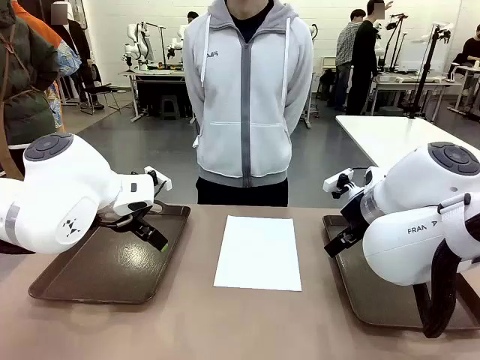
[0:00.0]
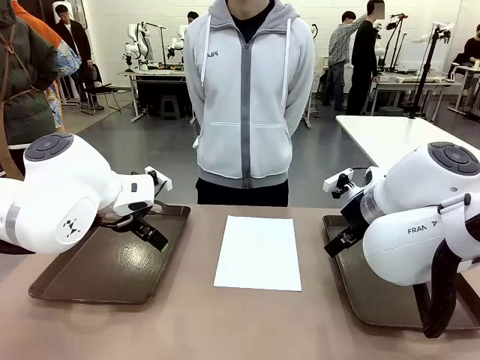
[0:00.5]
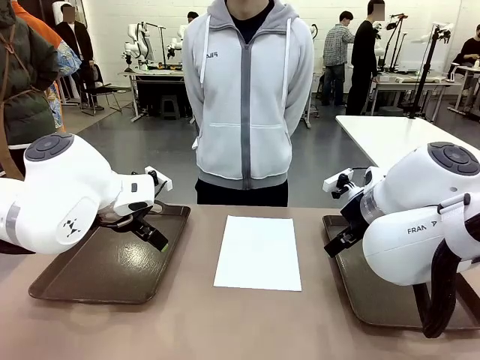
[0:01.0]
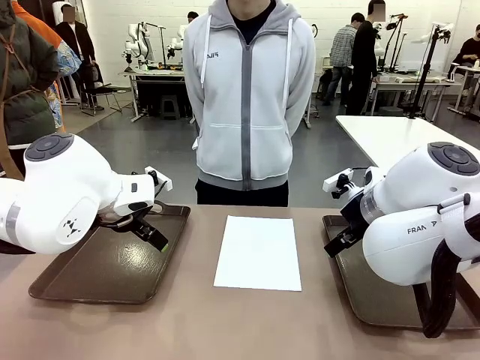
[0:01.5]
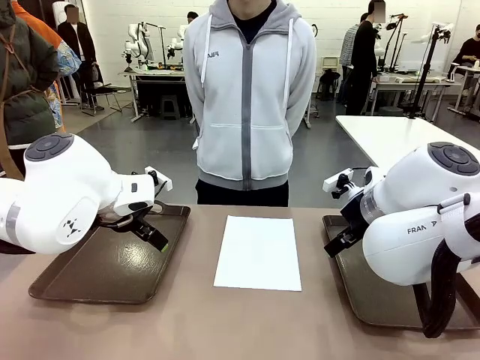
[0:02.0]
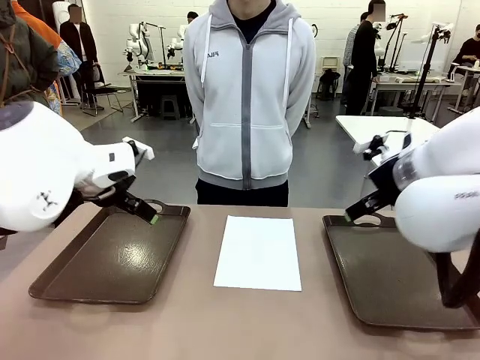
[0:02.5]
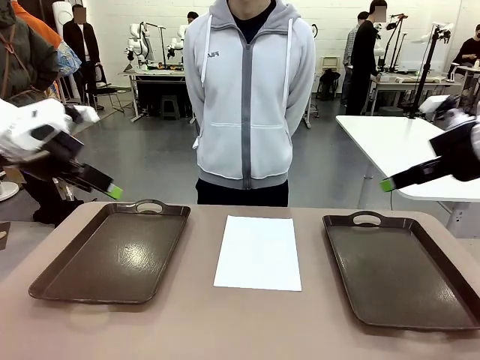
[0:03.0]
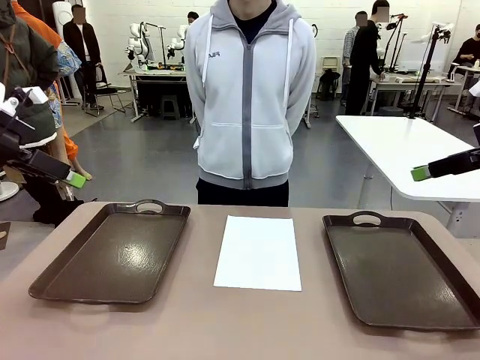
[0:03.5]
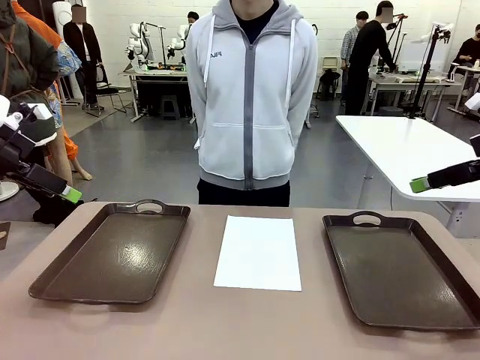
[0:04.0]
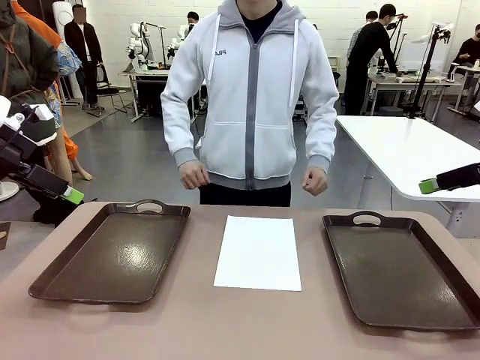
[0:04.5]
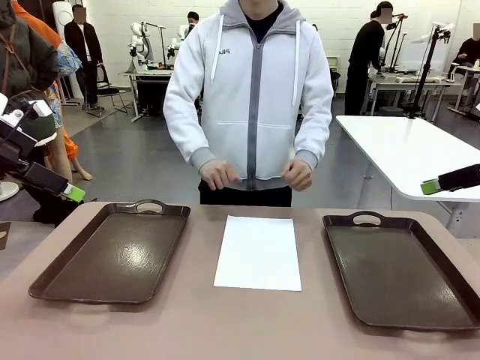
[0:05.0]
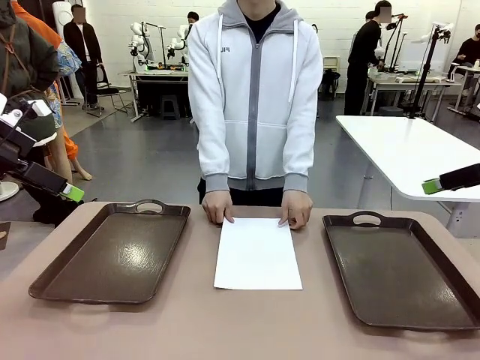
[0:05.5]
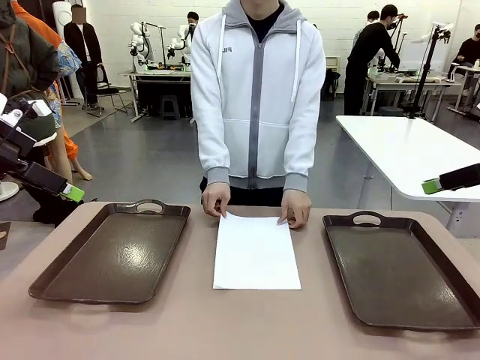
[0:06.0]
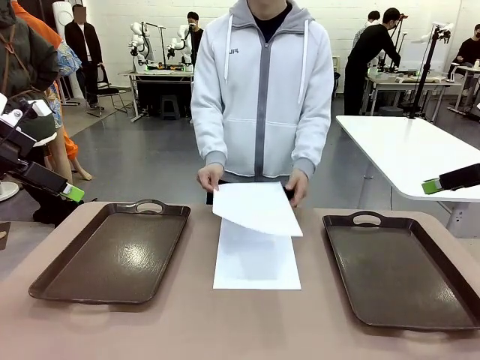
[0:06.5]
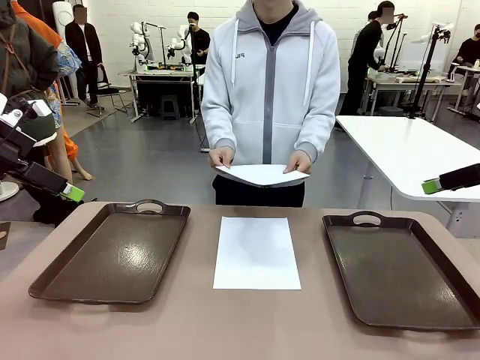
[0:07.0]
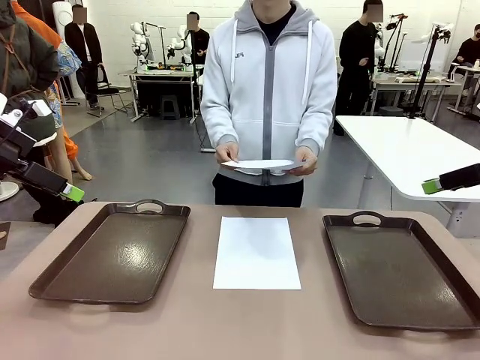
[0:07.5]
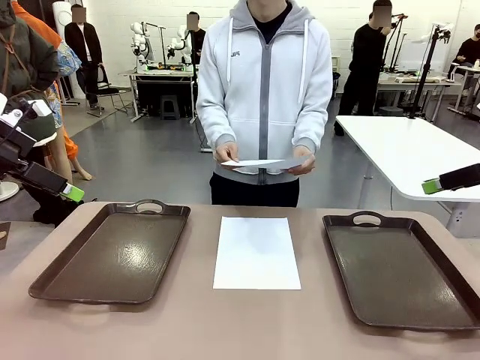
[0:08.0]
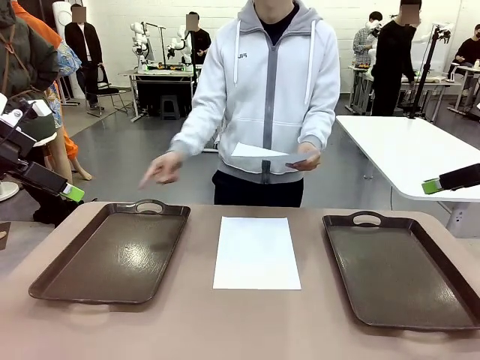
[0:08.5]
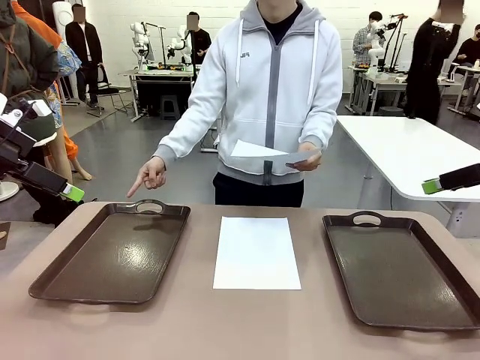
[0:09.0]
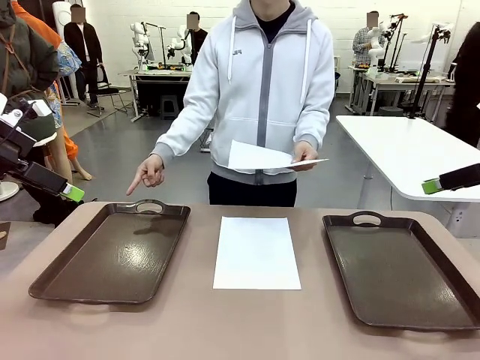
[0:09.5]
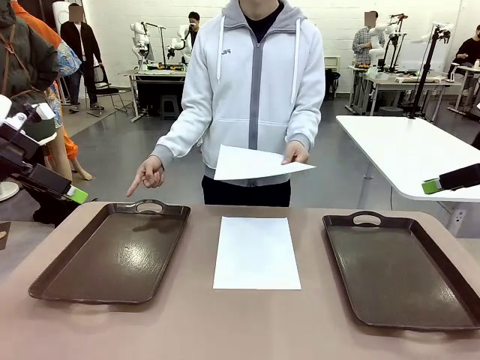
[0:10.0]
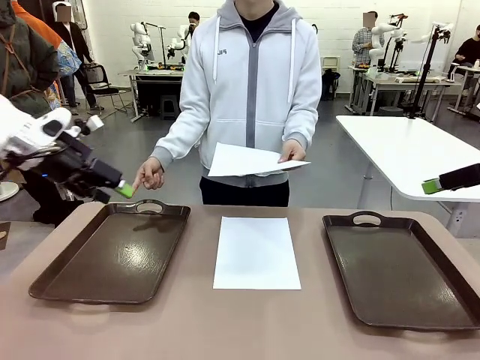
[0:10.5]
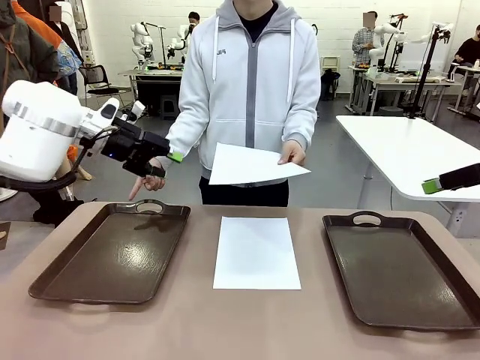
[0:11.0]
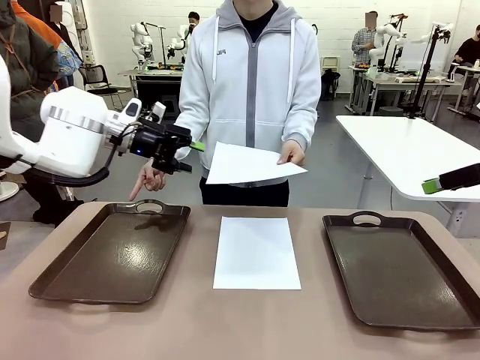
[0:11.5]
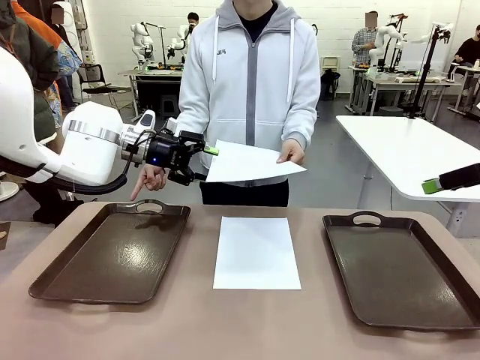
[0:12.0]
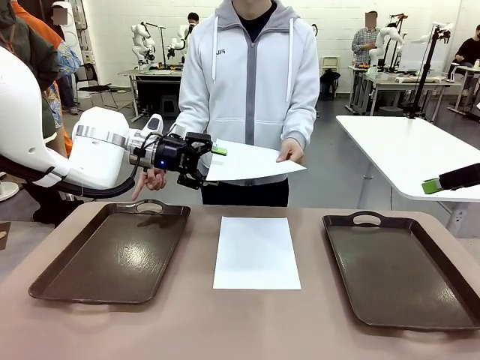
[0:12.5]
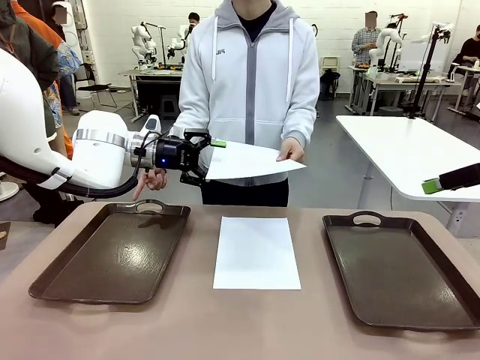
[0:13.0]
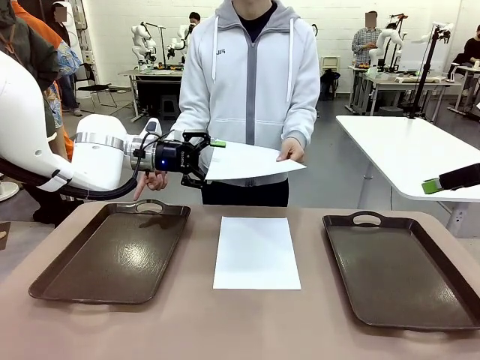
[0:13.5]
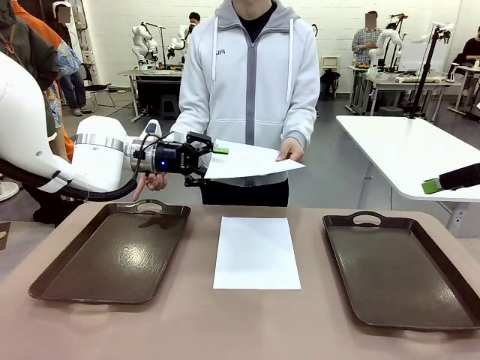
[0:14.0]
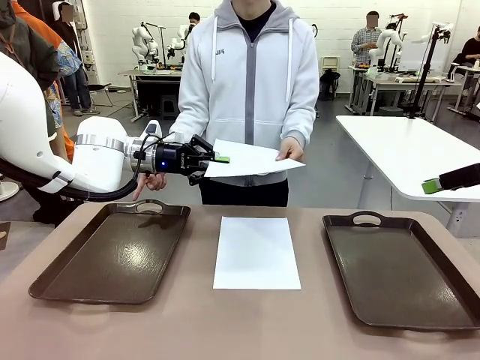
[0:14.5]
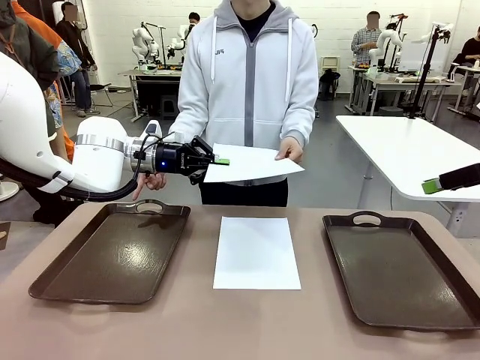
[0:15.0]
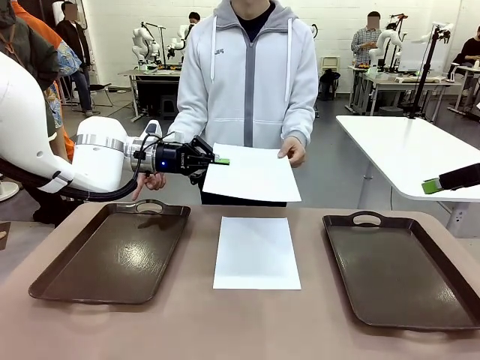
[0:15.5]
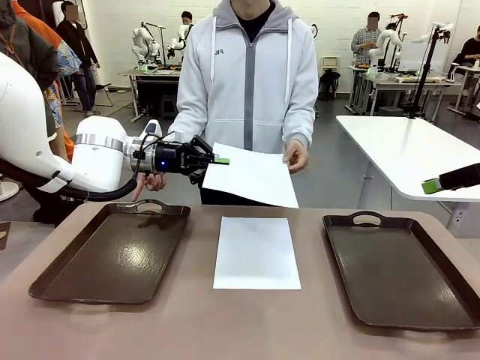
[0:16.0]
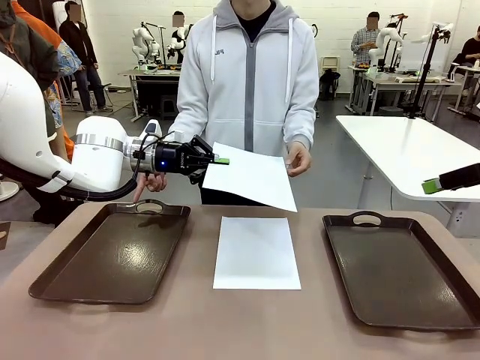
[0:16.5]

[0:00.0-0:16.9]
Task: Sort the A4 documents.
Robot: Receive the A4 Paper.
Person: Pick up a sheet of paper from the center of the table and hand it to the robot. Point the randomly selected tray with the other hand.

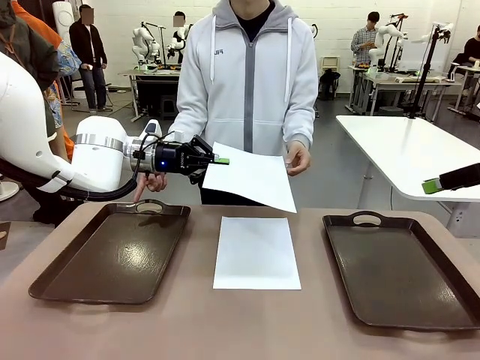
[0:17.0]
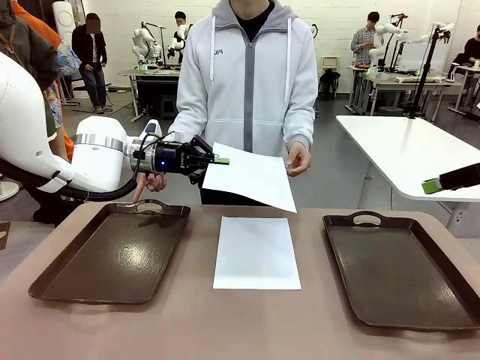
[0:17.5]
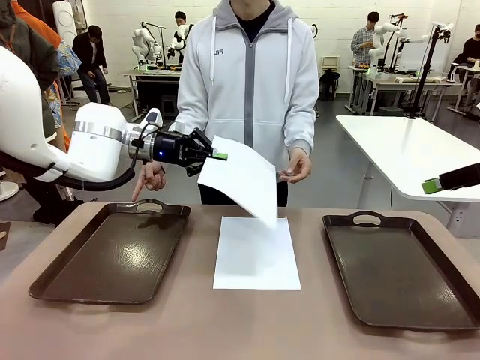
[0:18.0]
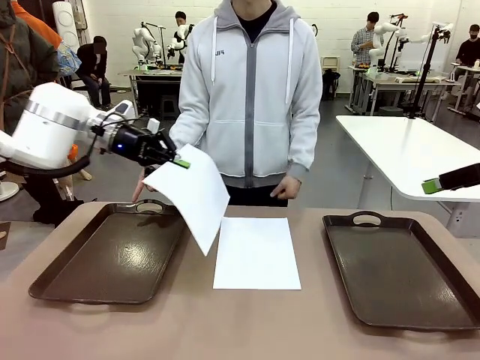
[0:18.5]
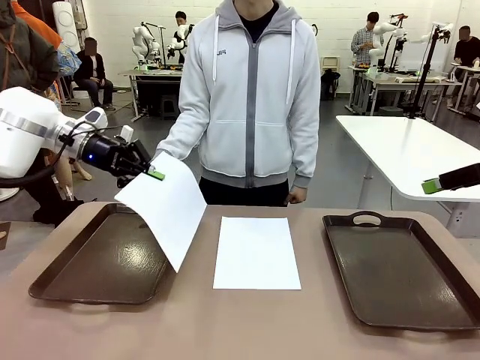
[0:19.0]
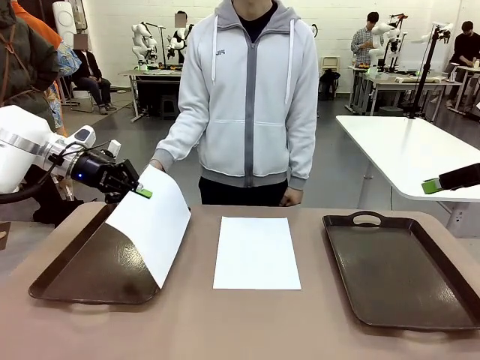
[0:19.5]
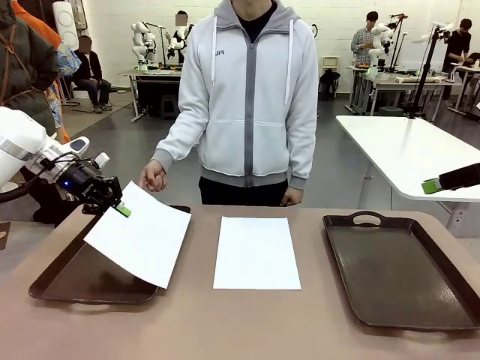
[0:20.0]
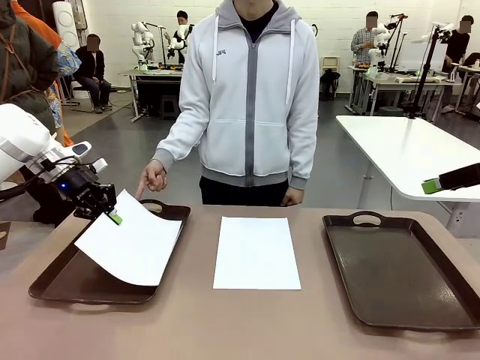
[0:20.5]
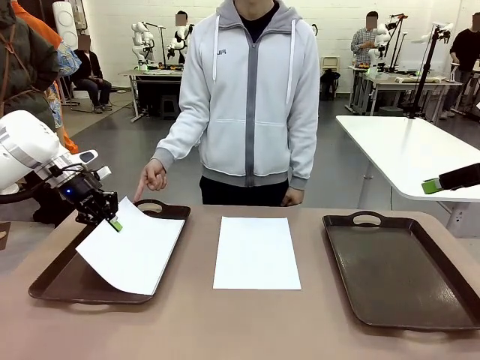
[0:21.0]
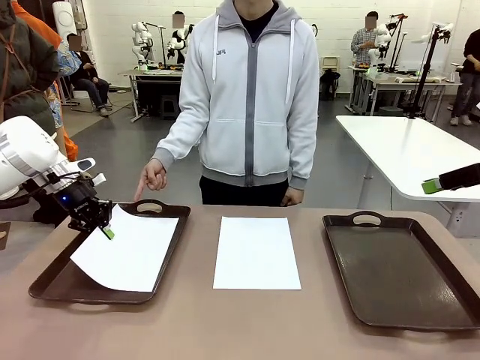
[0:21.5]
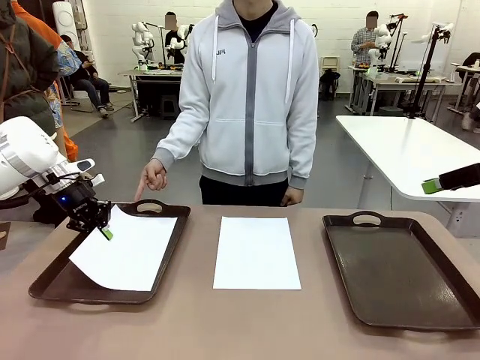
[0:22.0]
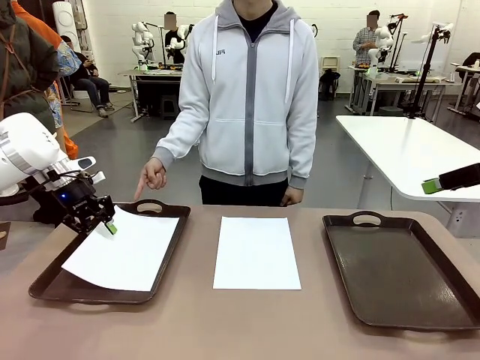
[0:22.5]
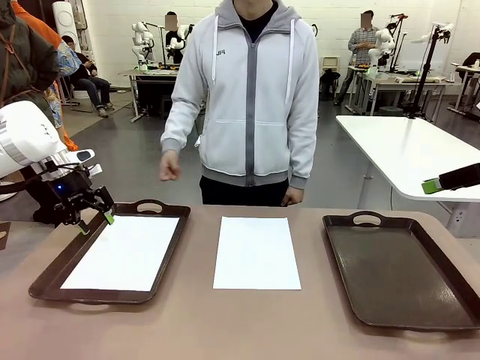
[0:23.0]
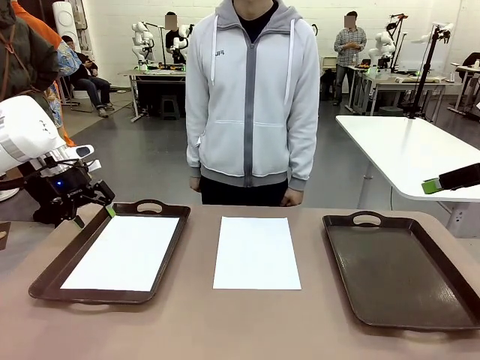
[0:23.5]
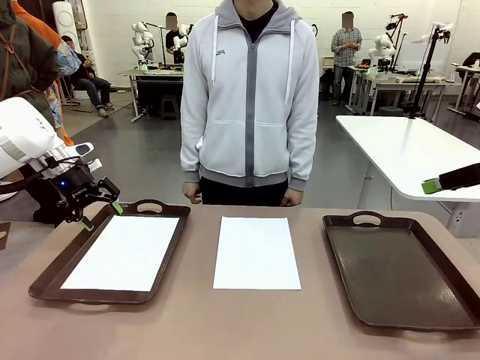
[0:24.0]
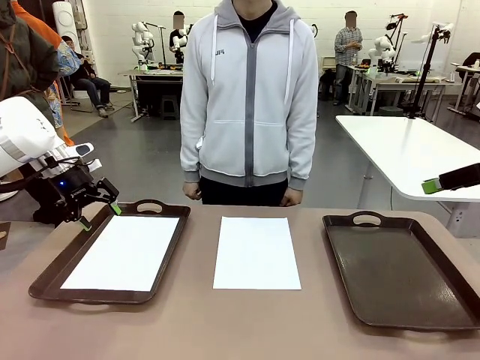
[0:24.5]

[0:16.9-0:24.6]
Robot: Place the A4 Paper in the designated Handle tray.
